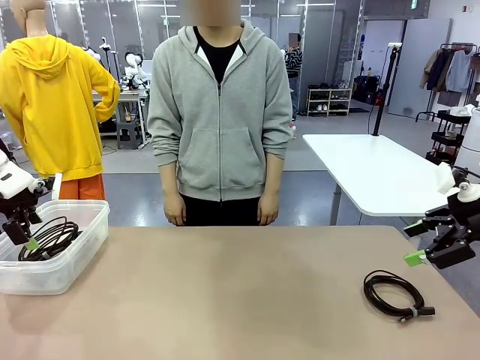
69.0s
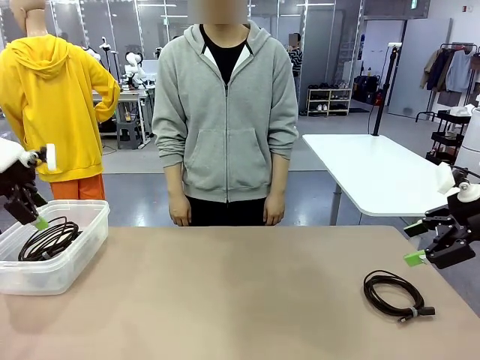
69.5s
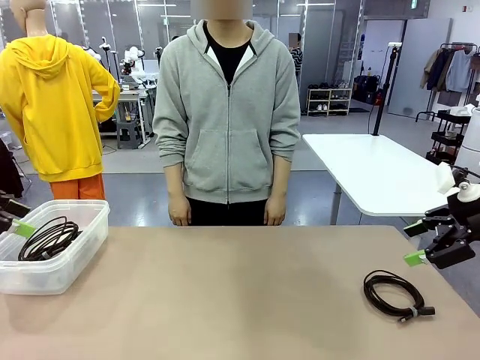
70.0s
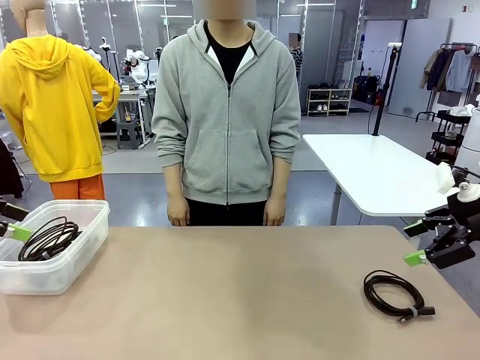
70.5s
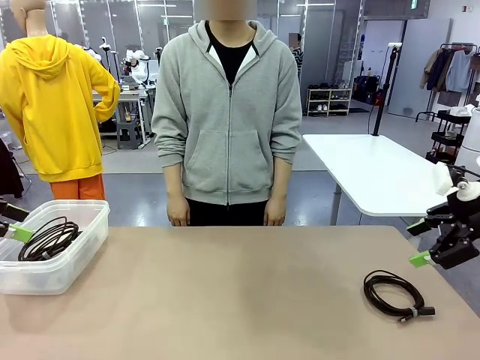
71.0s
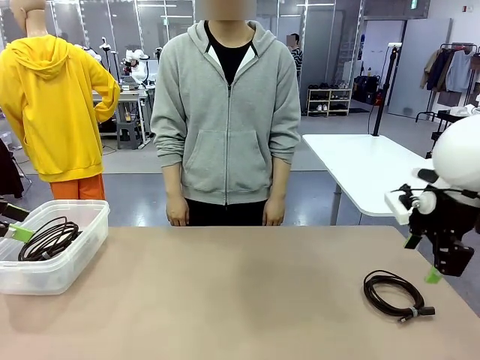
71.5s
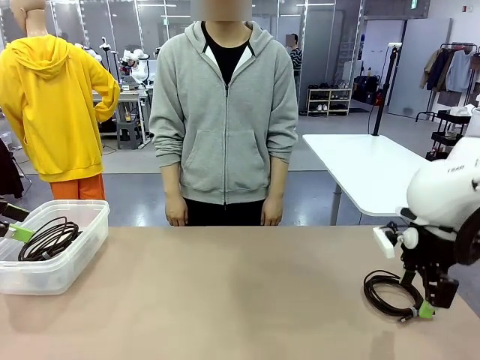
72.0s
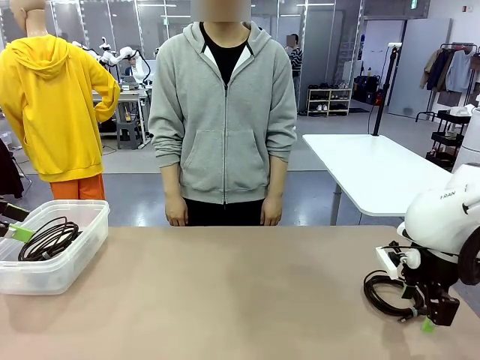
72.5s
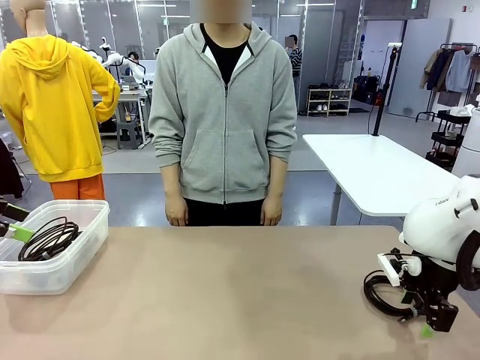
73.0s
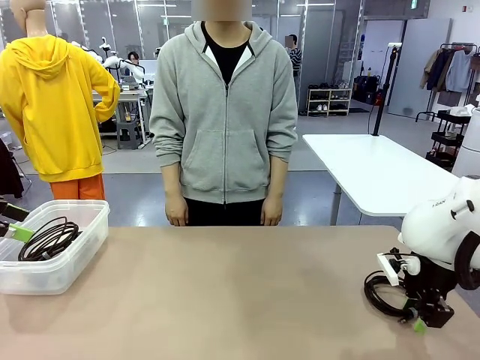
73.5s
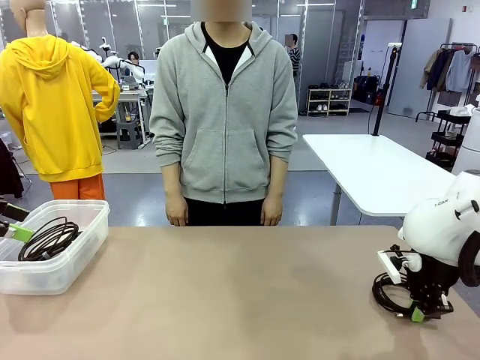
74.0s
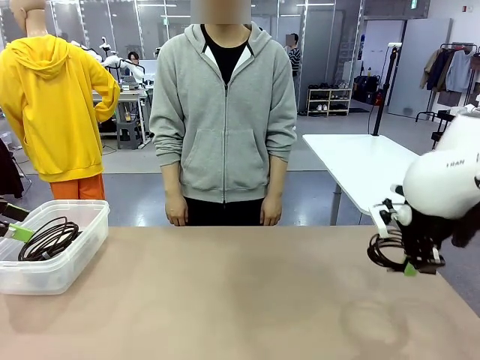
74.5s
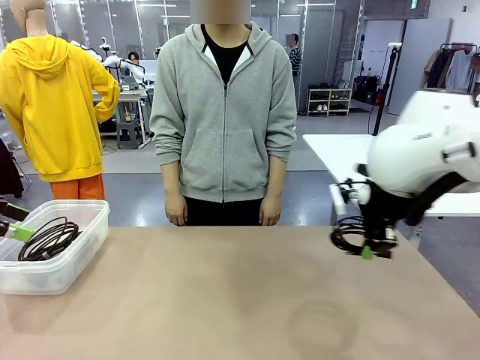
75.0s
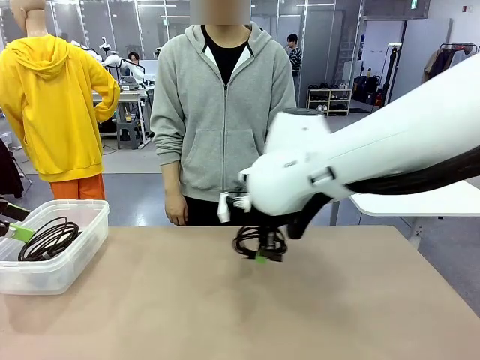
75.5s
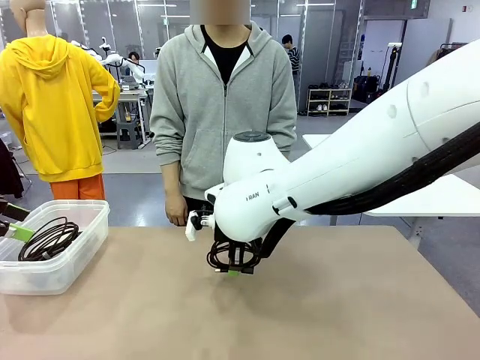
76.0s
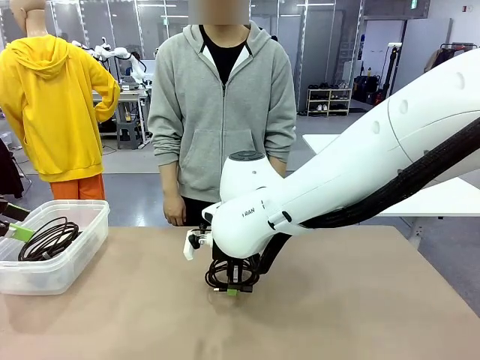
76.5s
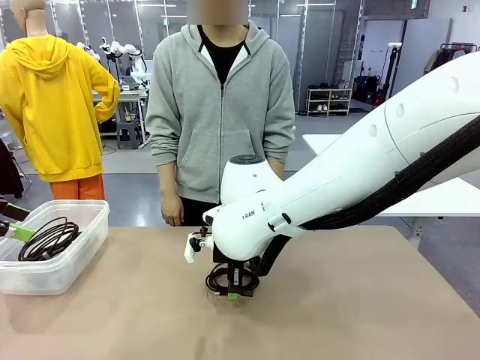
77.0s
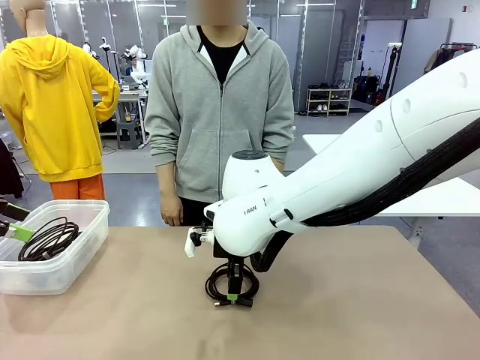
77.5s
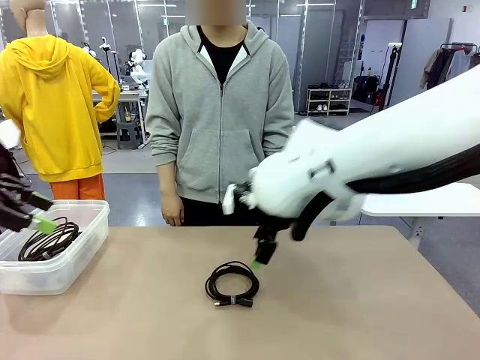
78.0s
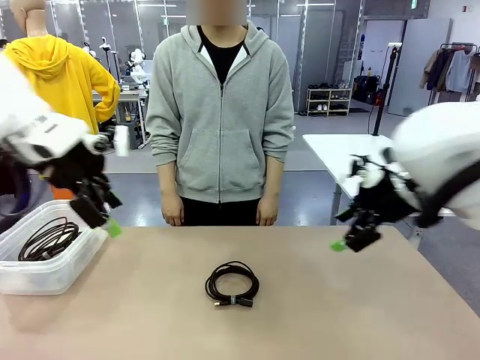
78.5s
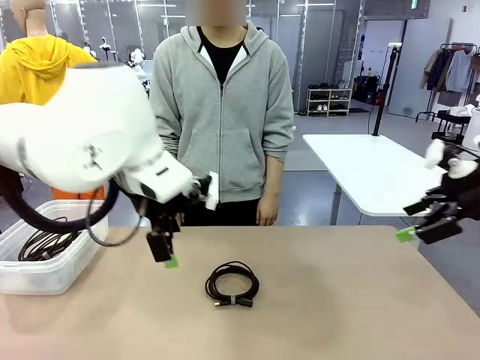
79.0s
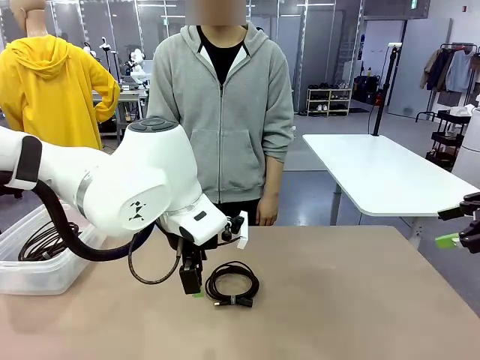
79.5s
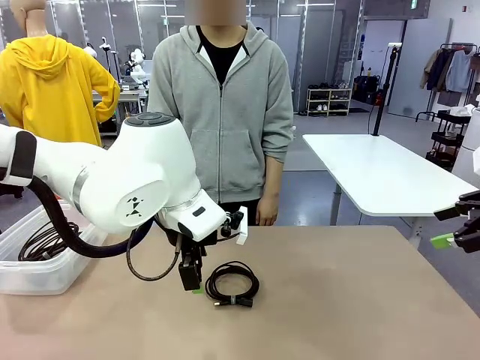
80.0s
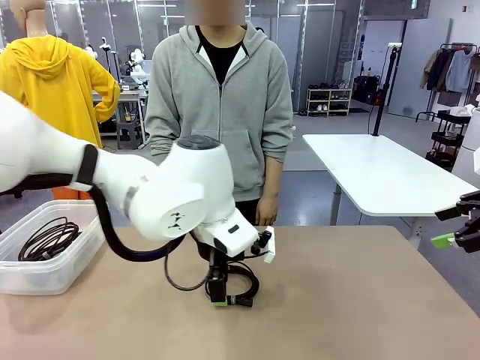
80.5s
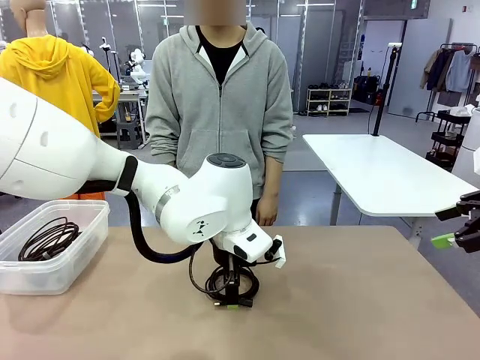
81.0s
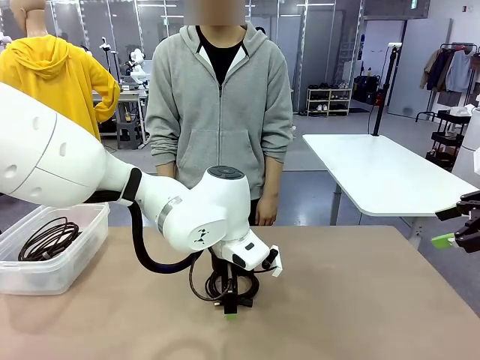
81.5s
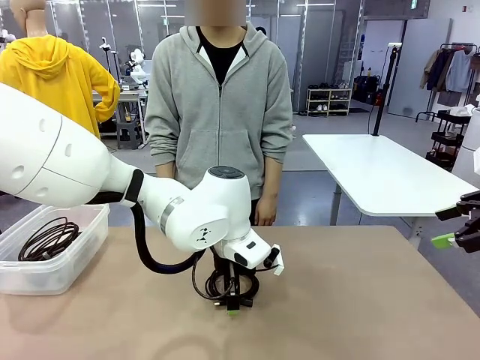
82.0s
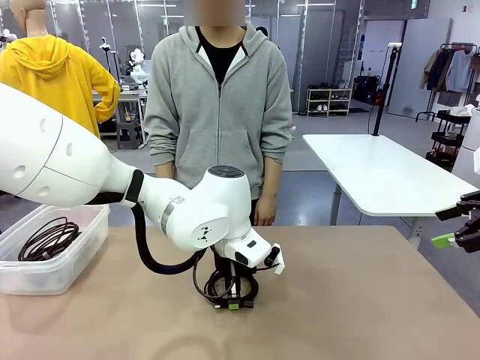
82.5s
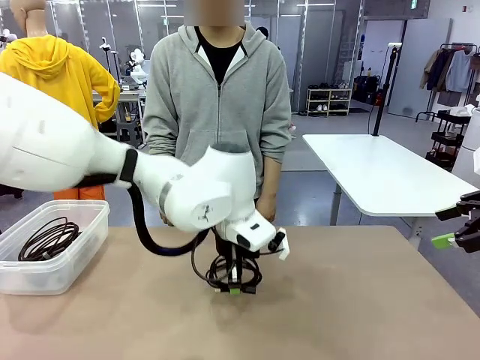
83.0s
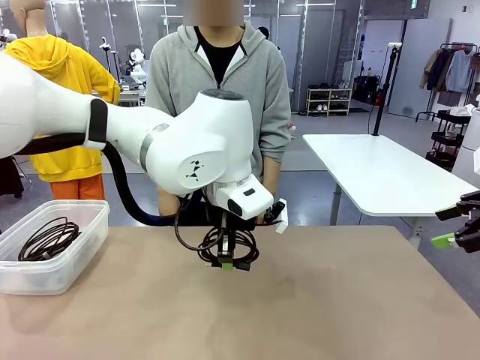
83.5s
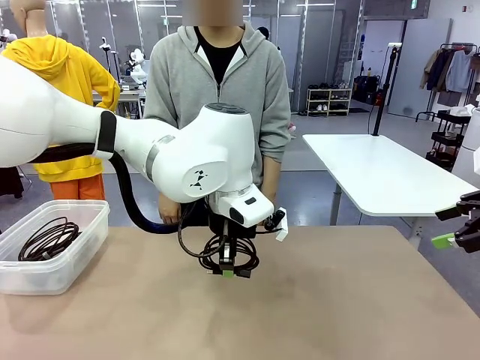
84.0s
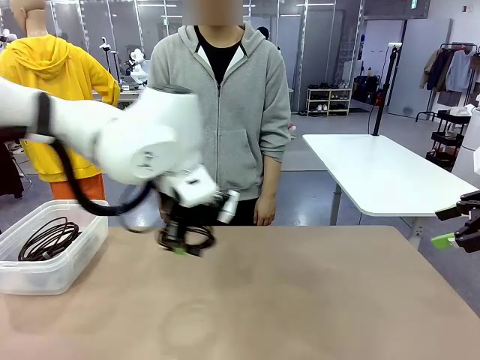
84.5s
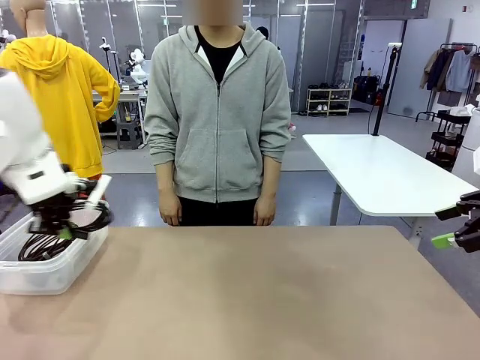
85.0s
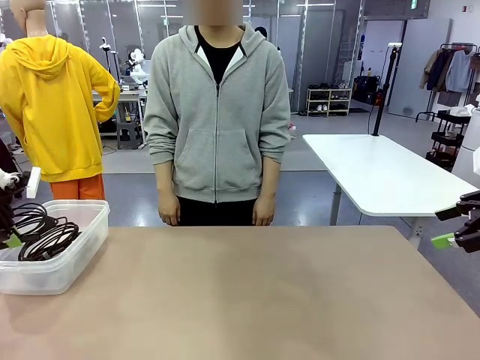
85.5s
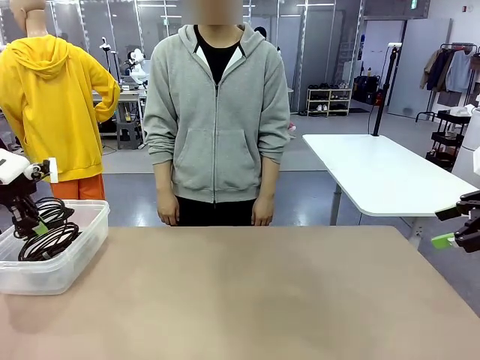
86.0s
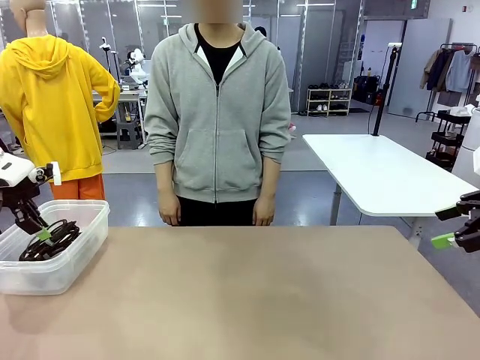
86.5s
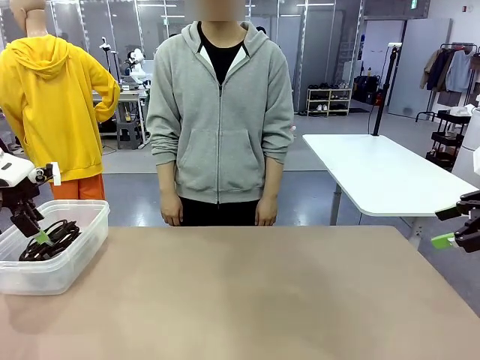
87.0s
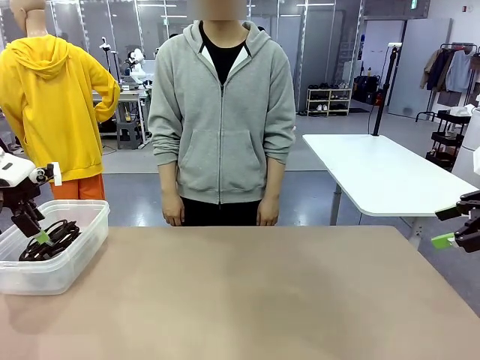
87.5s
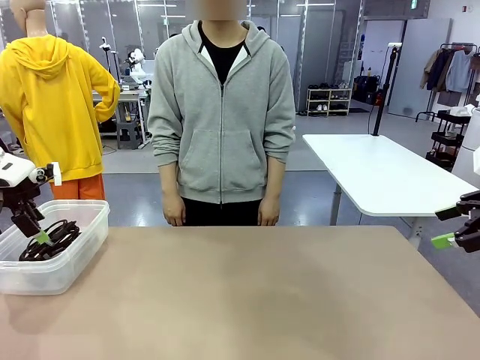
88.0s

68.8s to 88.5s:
Task: Organize and store the cables.
Robot: Place the USB Extension Cable into the Organizing box.

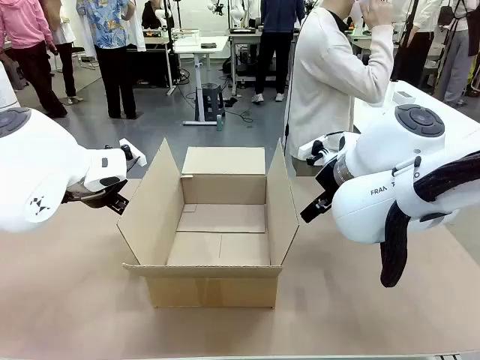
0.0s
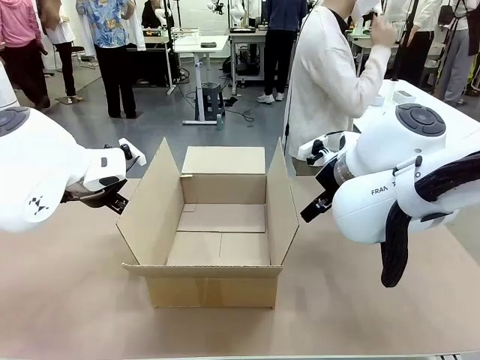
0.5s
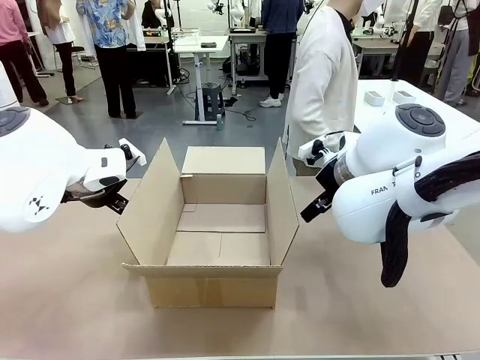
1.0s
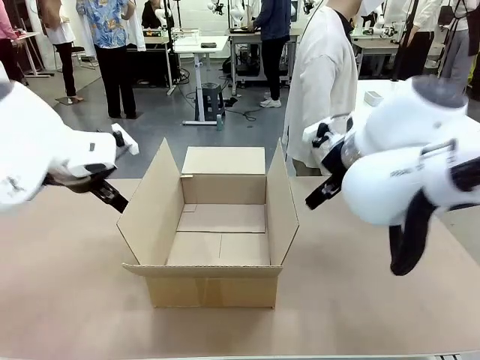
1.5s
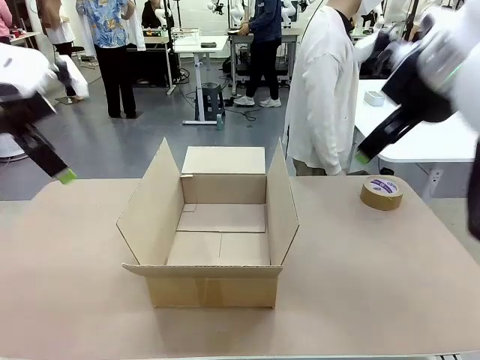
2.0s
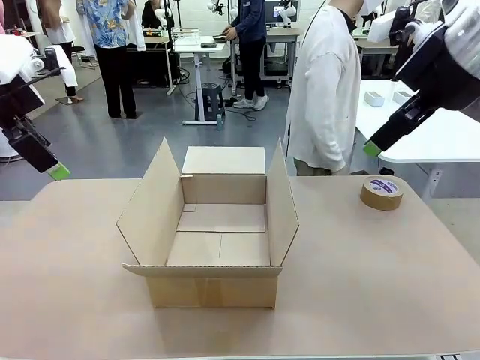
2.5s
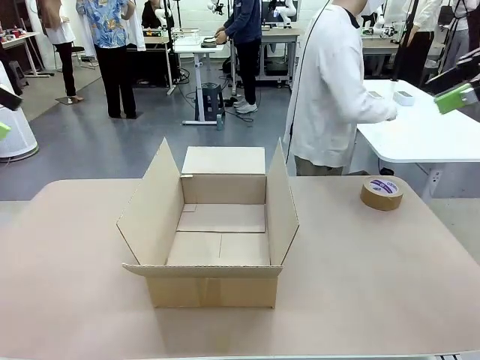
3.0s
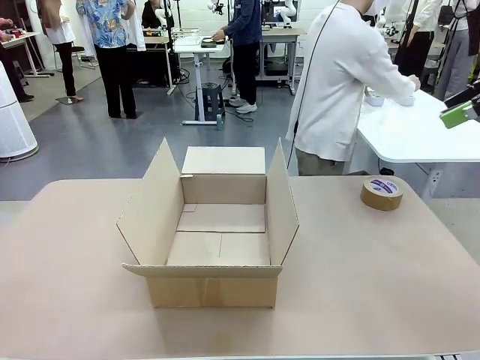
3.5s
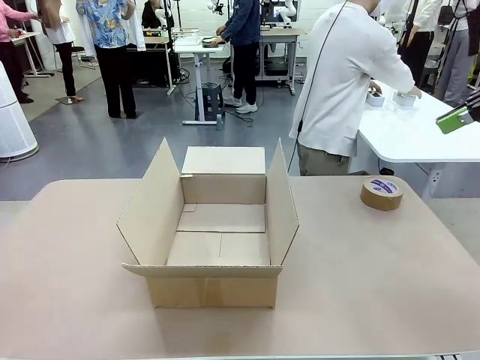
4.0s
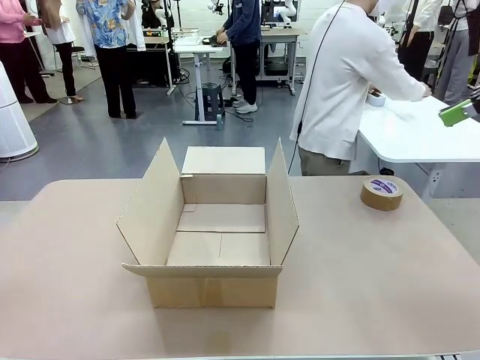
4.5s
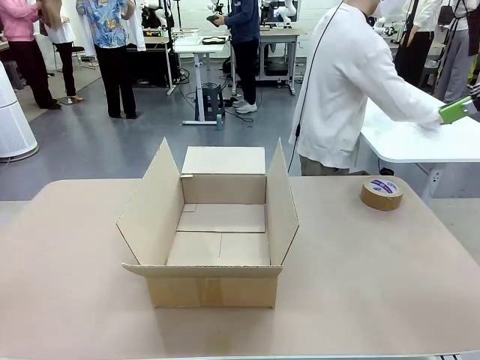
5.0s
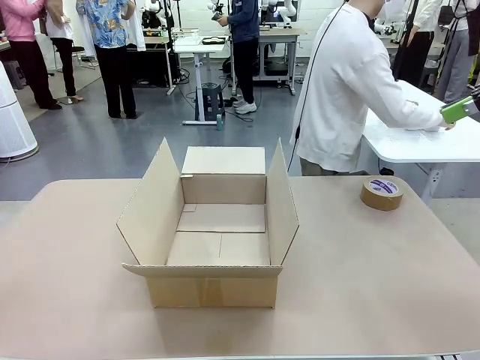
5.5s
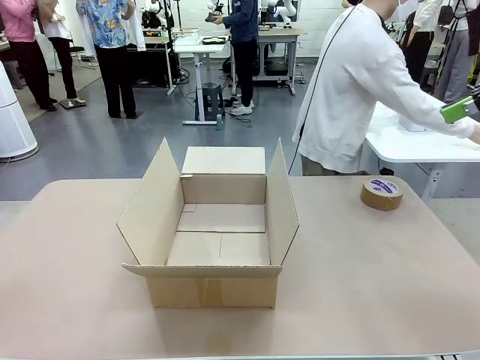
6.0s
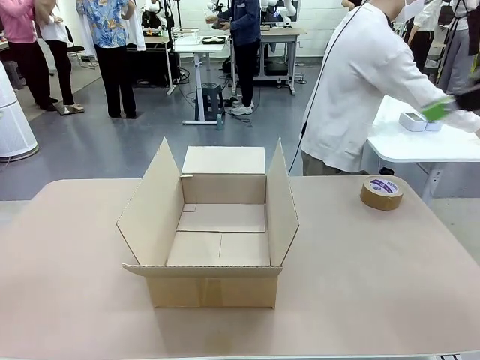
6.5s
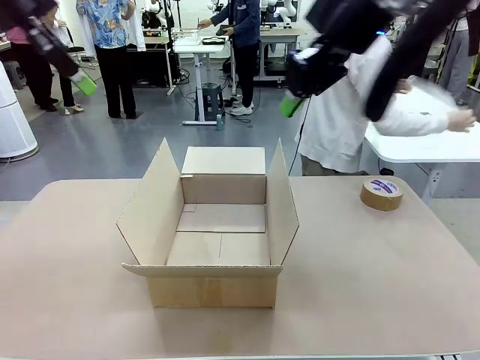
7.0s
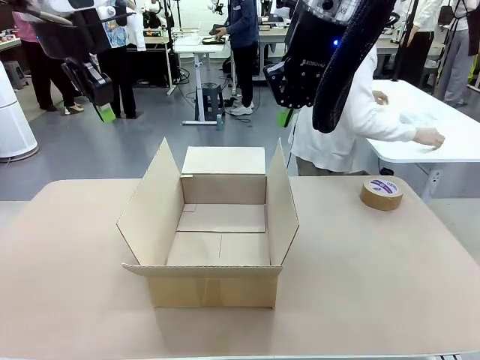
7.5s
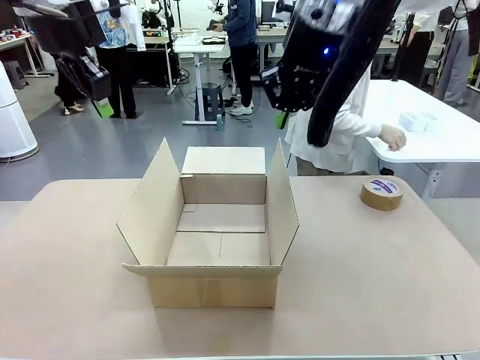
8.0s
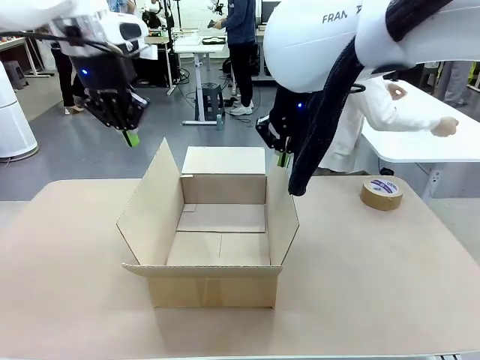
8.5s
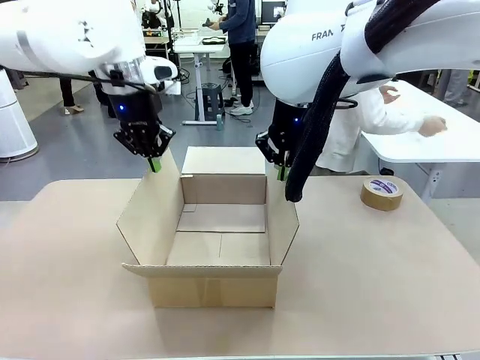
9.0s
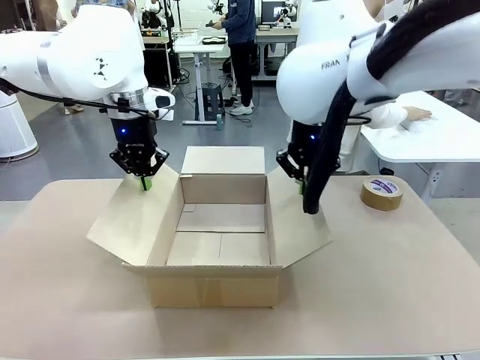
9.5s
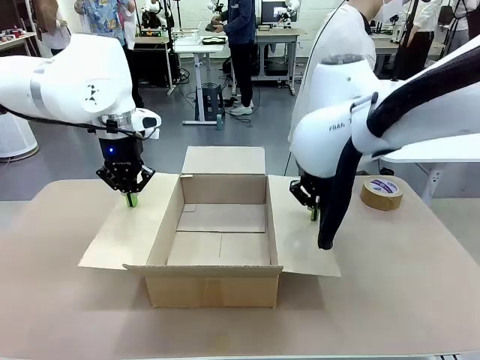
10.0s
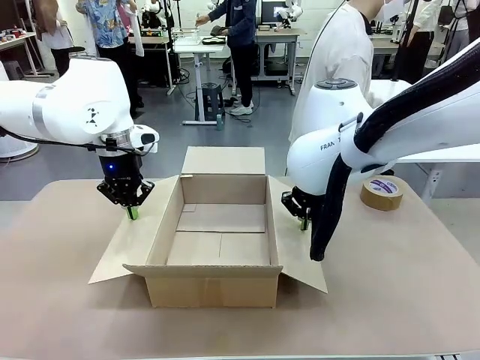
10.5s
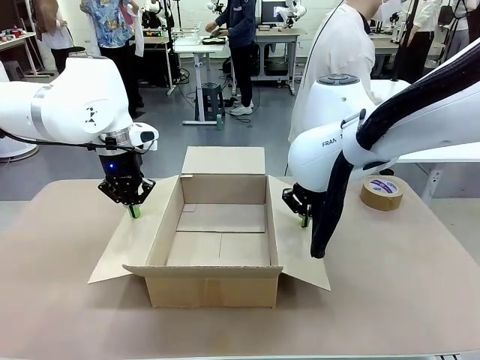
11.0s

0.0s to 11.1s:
Task: Wrap the clocks to prevent damage.
Robot: Open the side flaps of the Package Box.
Person: Wrap the two Digital clocks with Bubble Wrap.
